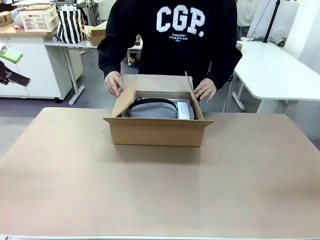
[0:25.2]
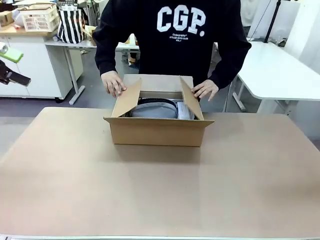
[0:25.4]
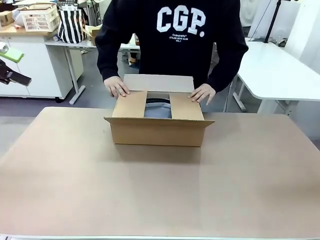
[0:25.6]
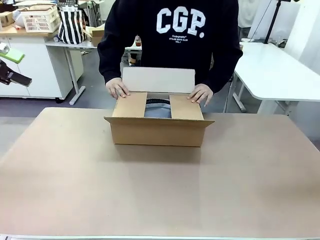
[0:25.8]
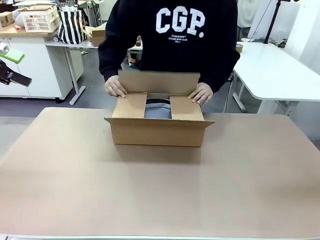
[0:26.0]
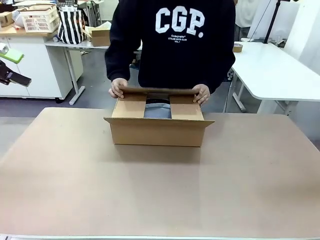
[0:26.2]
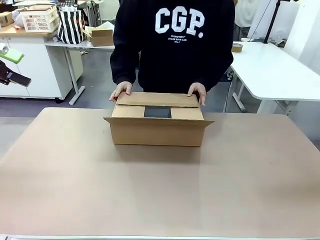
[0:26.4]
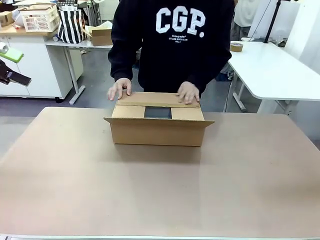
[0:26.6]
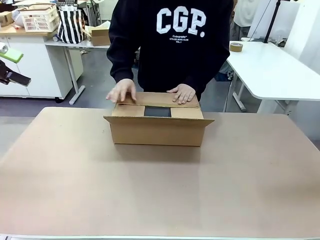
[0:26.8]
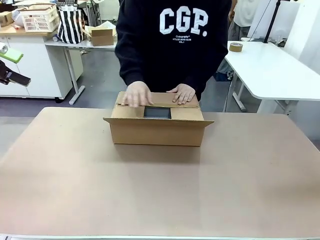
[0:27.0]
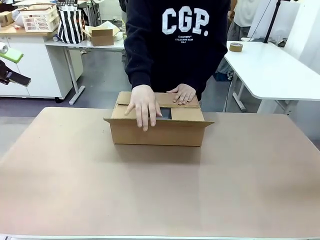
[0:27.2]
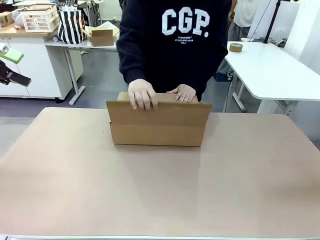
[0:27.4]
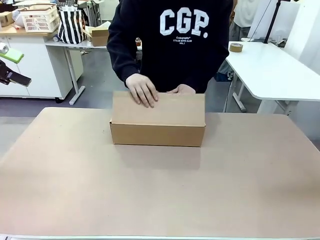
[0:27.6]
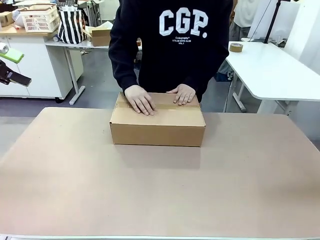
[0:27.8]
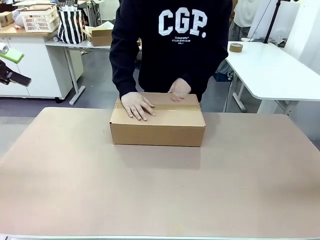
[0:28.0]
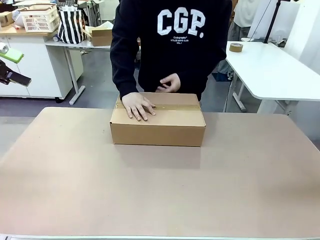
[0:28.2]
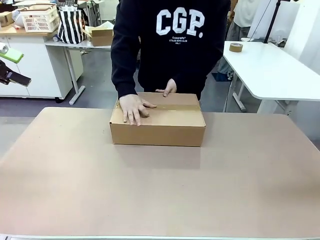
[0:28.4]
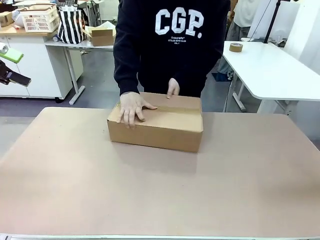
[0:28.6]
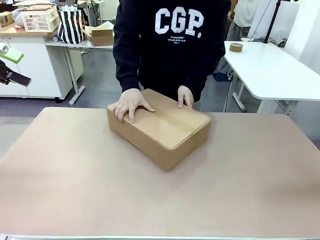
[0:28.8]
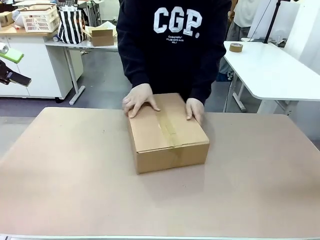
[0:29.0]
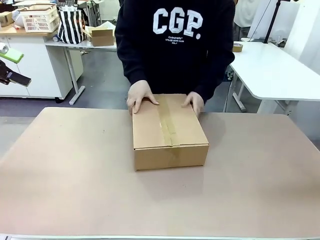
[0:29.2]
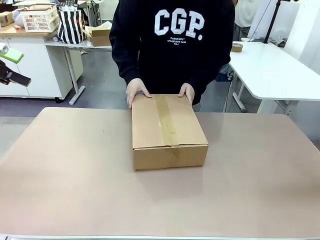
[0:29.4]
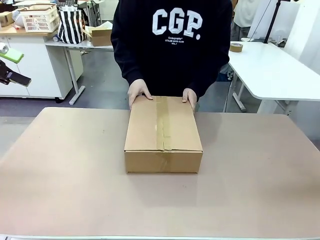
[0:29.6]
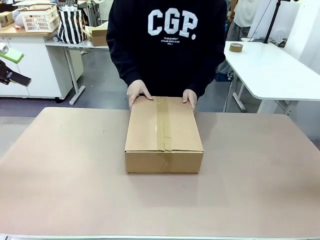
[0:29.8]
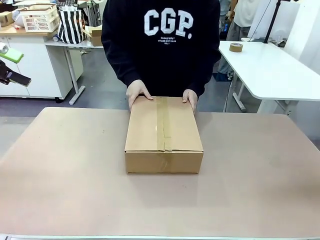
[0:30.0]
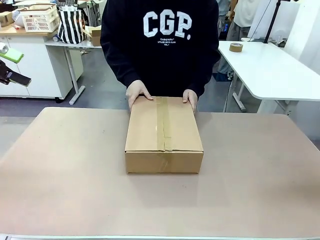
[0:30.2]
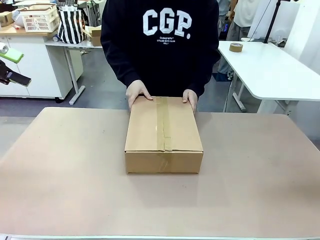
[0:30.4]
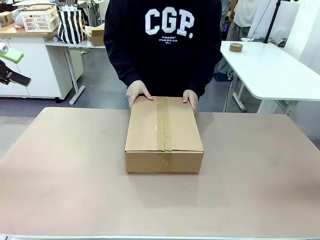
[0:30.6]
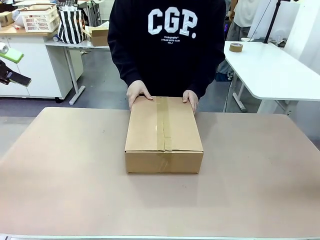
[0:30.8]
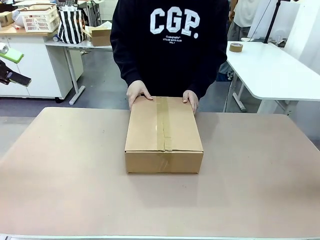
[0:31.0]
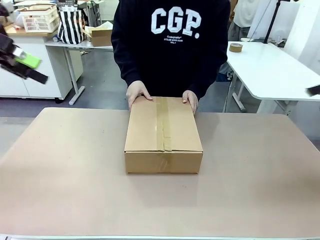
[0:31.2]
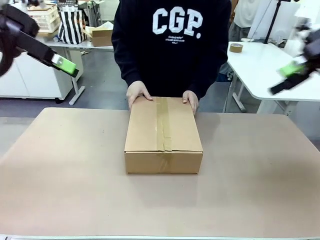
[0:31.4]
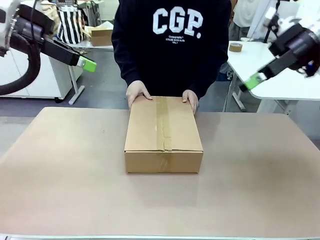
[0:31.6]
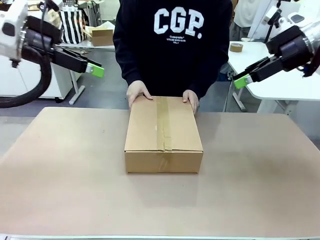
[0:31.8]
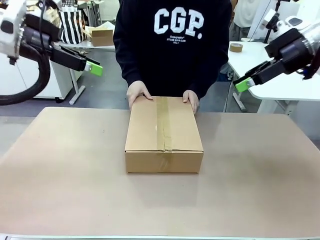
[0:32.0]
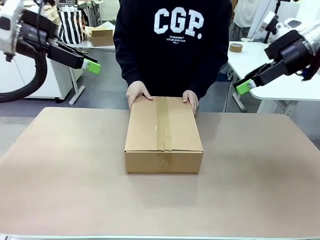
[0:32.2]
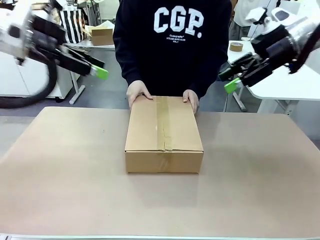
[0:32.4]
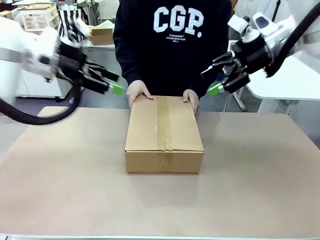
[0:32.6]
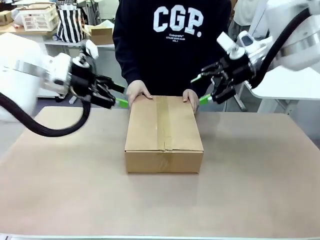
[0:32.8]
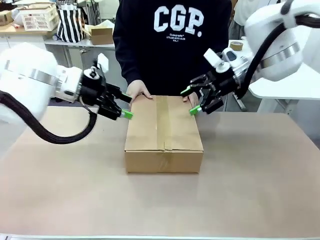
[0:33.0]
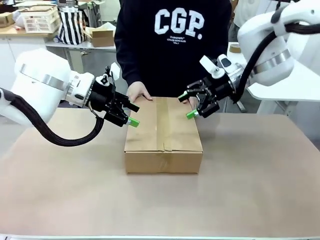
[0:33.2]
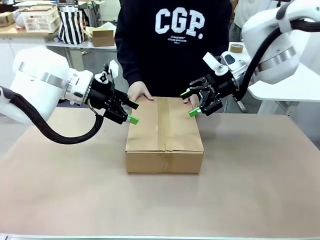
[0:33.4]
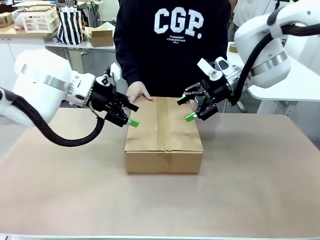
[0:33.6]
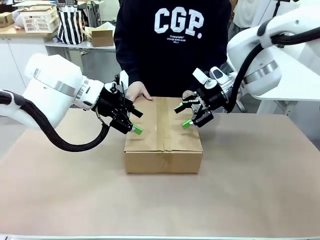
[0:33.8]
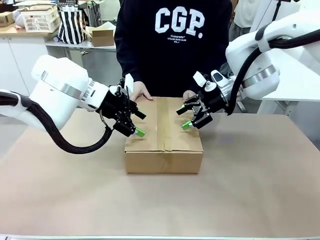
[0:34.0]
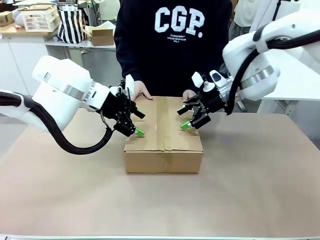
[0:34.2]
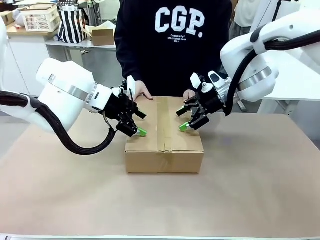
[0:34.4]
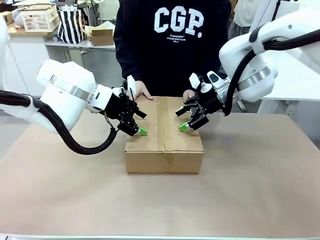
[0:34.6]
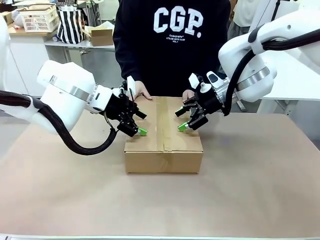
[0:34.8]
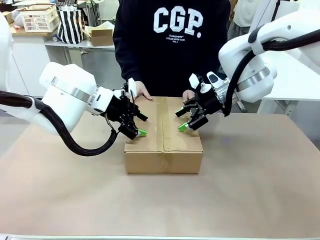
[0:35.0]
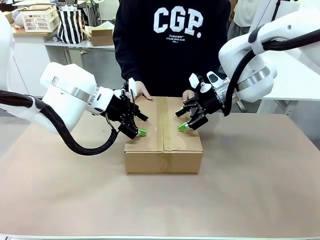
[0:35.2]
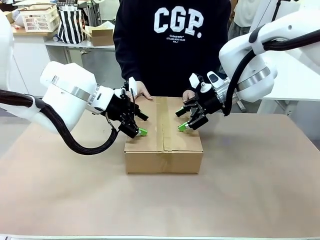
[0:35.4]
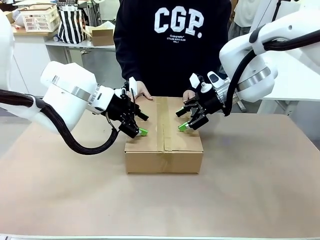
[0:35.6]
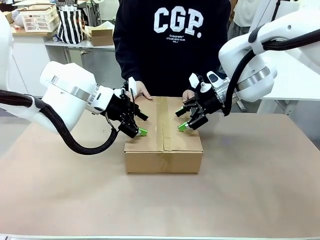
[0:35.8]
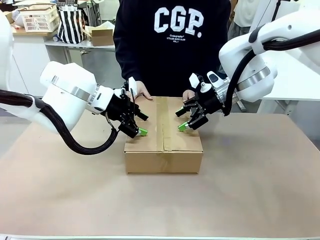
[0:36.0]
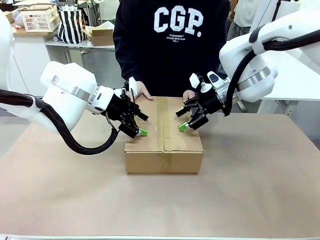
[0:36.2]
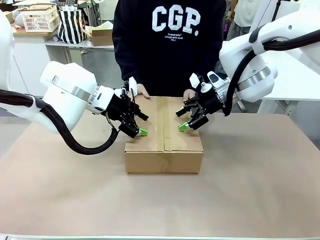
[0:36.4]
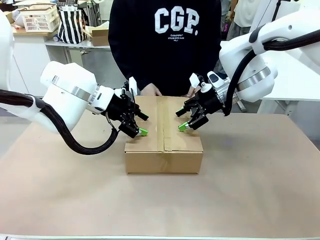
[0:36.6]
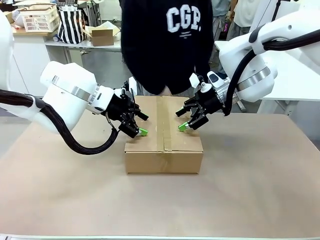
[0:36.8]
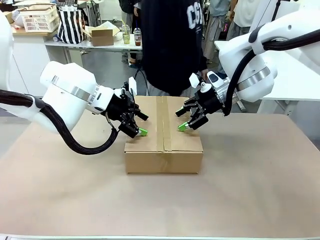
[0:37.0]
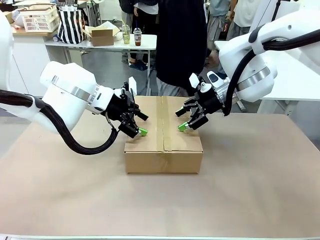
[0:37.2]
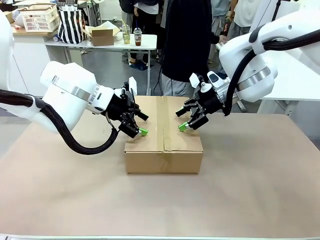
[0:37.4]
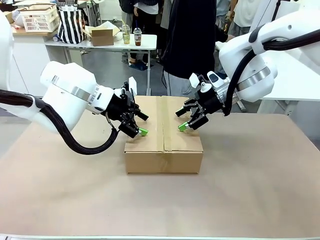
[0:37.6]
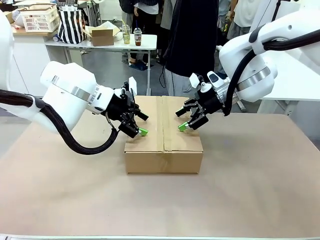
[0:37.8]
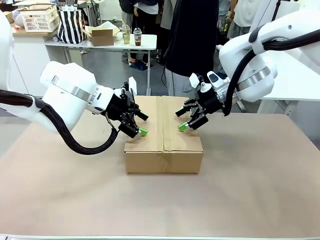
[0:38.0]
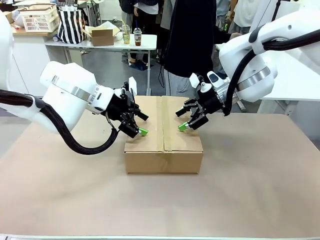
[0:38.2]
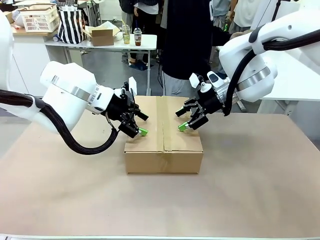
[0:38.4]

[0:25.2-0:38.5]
Task: Pack the gift set into the box.
Robot: Press and hold the closed box until the human finishes sealing it.
Person: The human closes the box and rotates the box by 90 degrees.
